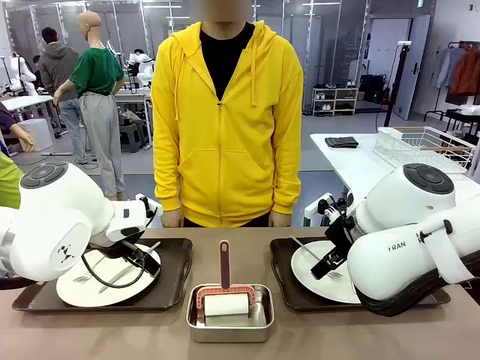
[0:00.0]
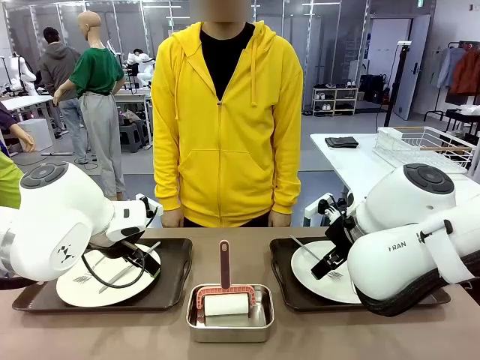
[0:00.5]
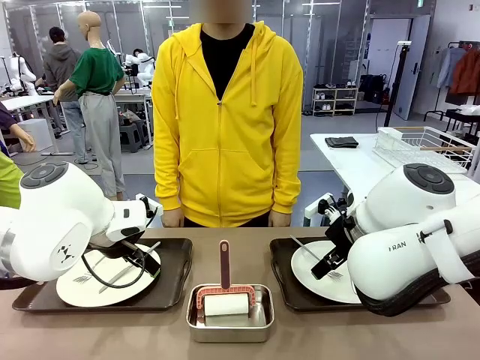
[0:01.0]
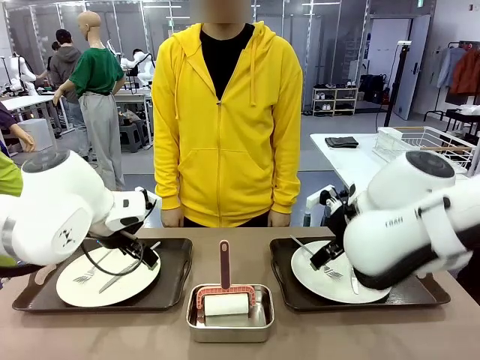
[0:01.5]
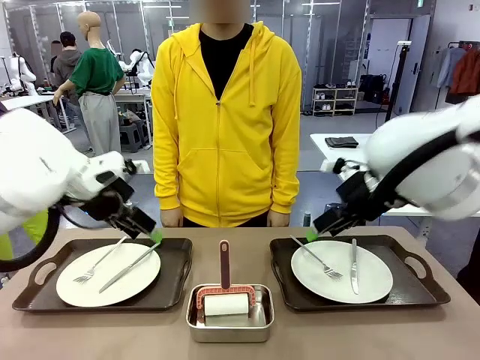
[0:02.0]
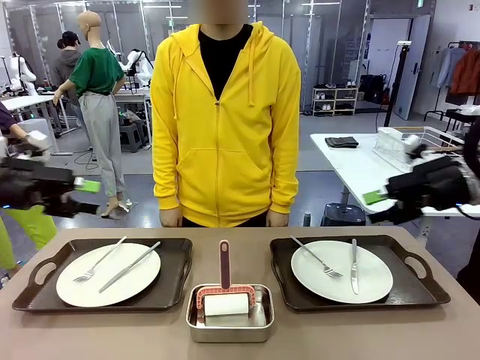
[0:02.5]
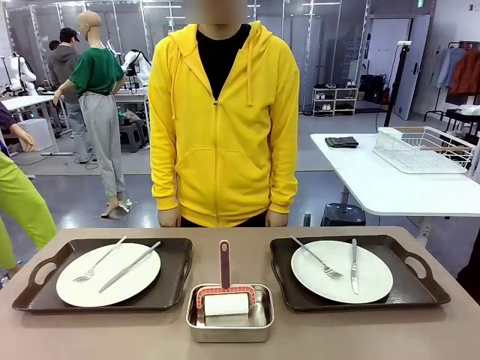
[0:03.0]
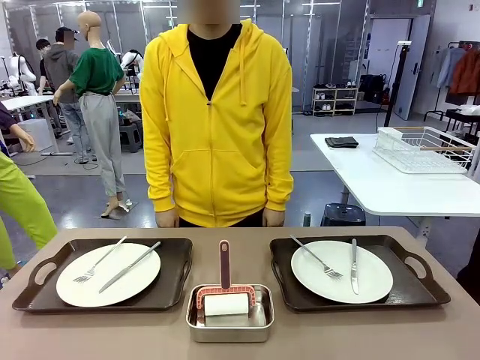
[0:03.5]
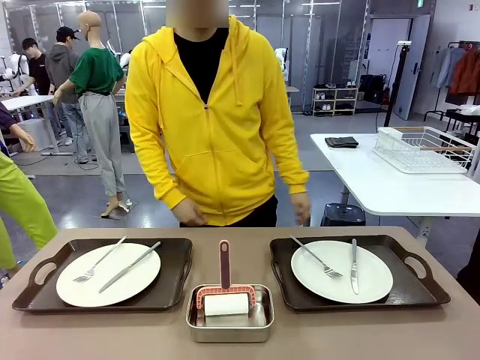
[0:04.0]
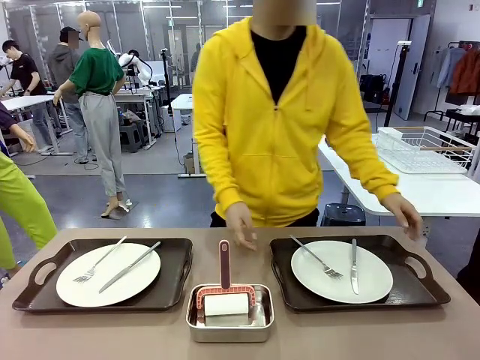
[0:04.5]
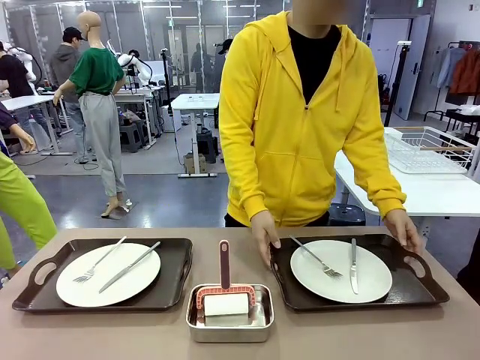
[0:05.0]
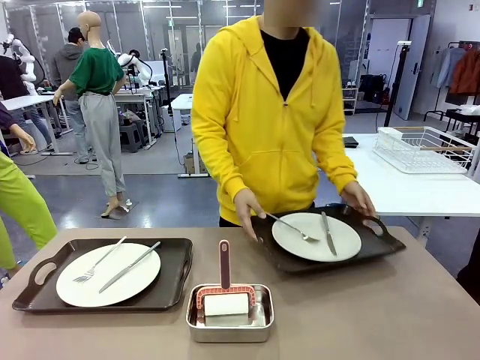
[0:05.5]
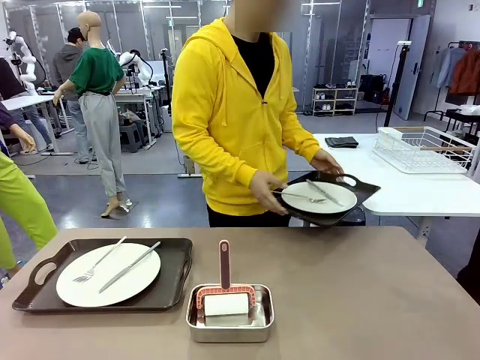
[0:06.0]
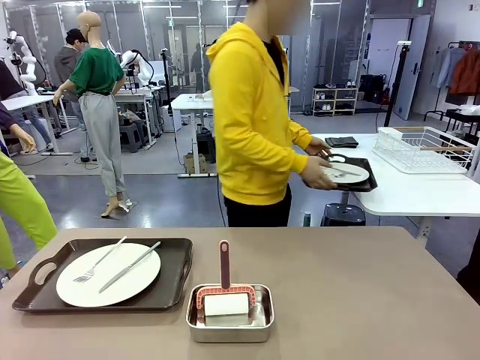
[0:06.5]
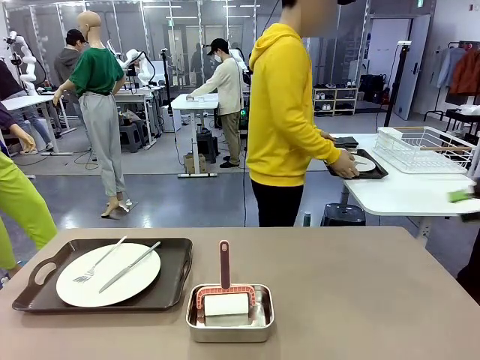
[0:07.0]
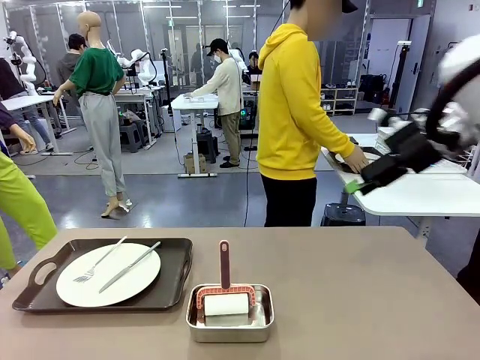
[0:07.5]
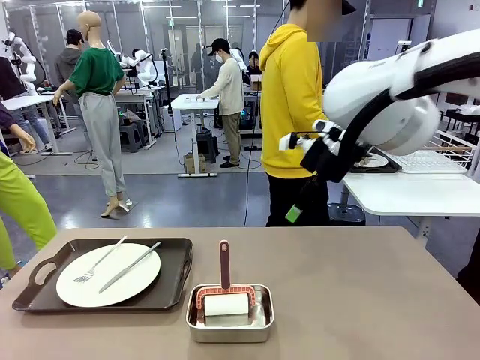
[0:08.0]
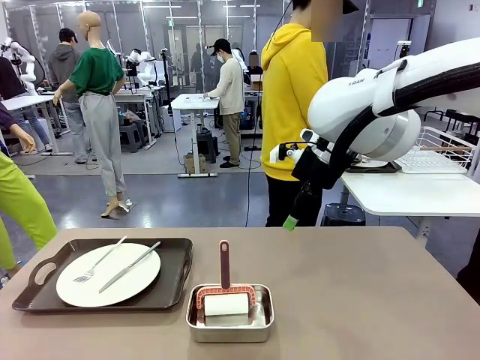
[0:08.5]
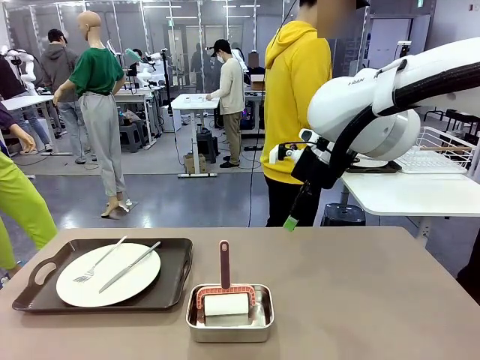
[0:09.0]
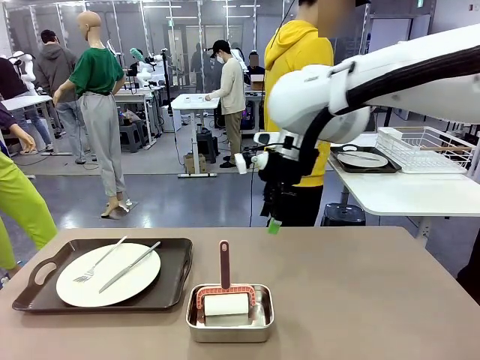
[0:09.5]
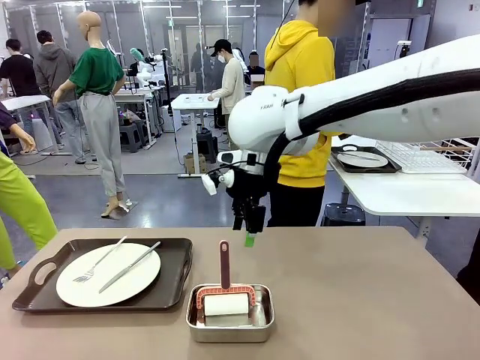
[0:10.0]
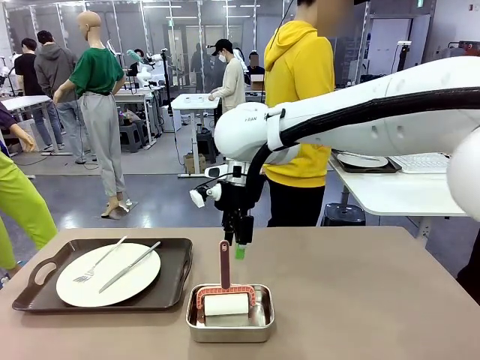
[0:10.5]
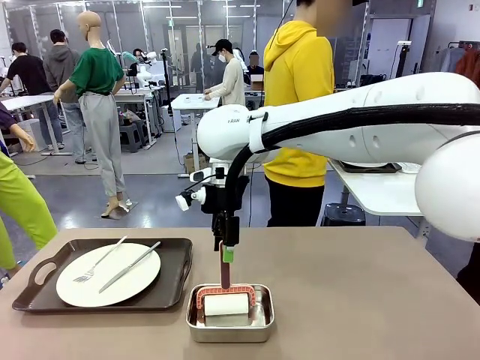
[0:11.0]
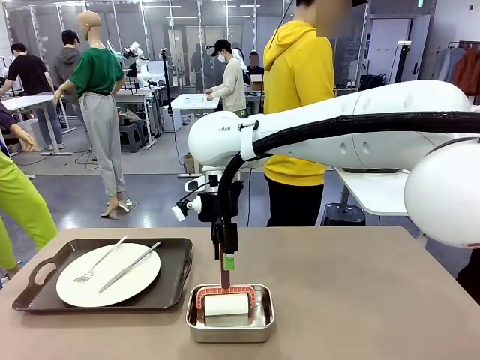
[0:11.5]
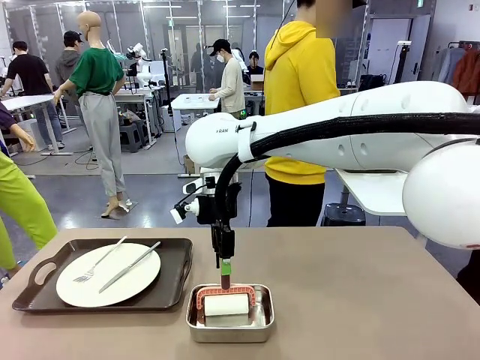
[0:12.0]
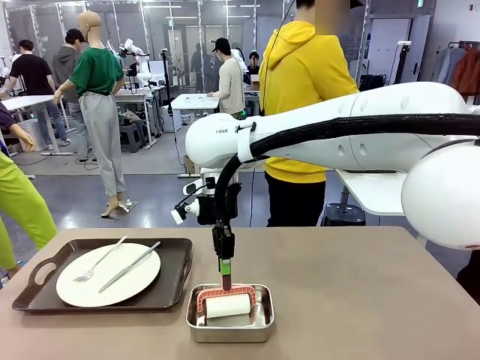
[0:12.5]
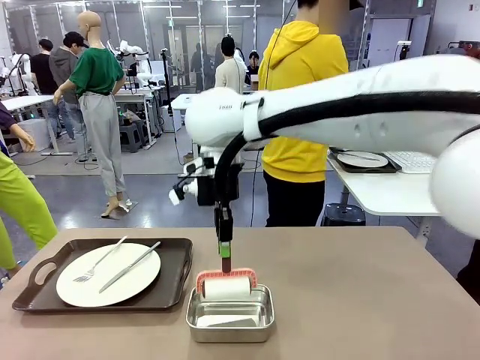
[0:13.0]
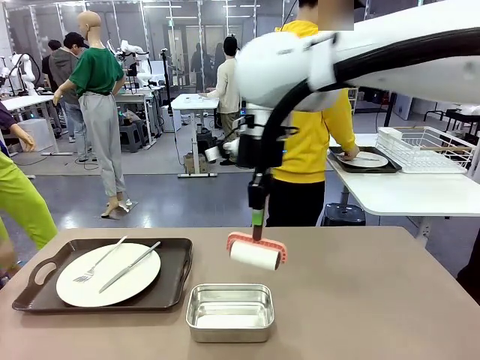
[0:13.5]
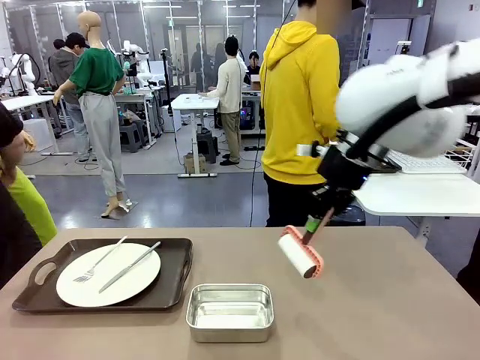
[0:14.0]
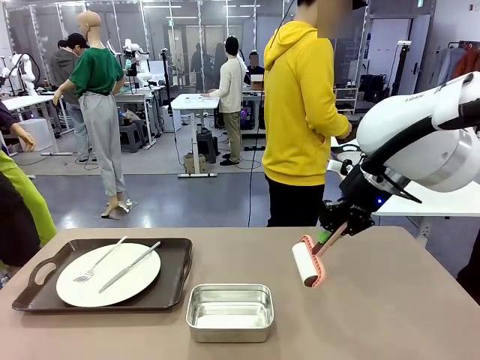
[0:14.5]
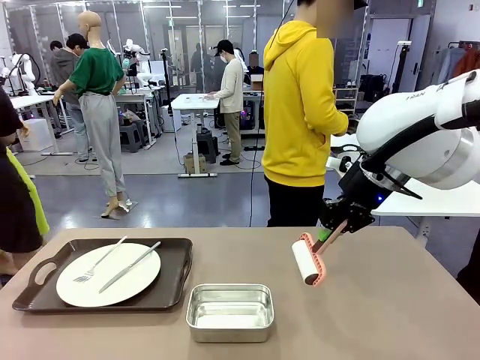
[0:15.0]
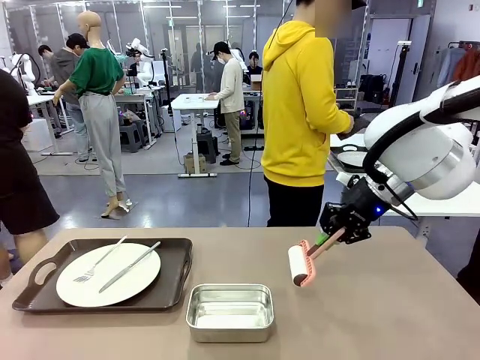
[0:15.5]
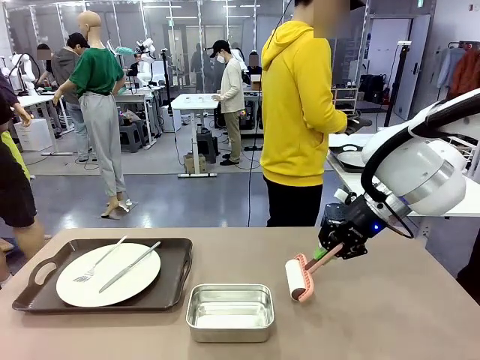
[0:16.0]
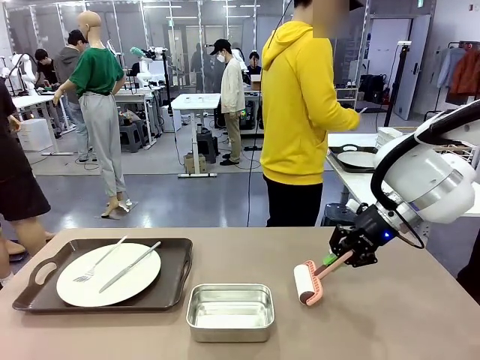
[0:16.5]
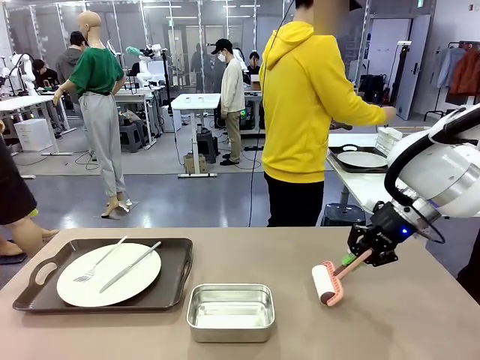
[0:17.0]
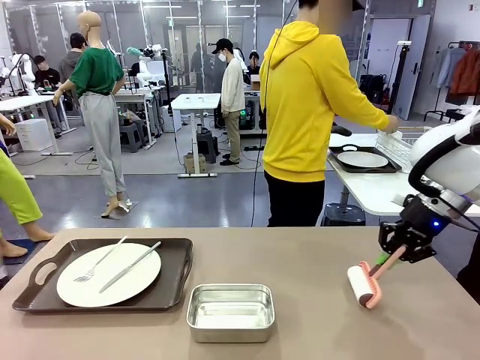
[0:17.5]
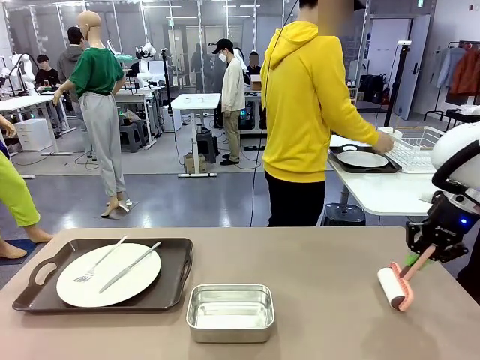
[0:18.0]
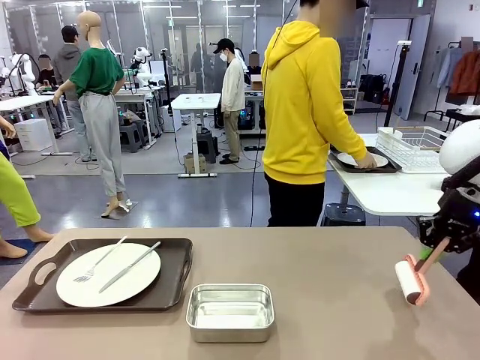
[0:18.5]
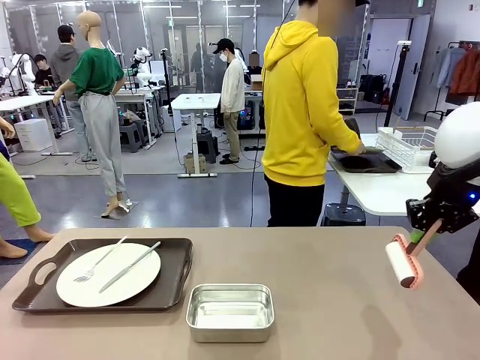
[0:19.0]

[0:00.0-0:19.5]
Robot: When the left (or right) Handle tray is removed, use the left hand (or right hand) to clean the left (or right) side of the table with the Lint Roller.
Person: Pick up the left (or right) Handle tray and place it on the middle of the Human's table. Use the Towel with hook to wipe the Plastic Matte Plate , Fork , and Knife and place into the Dish drying rack.

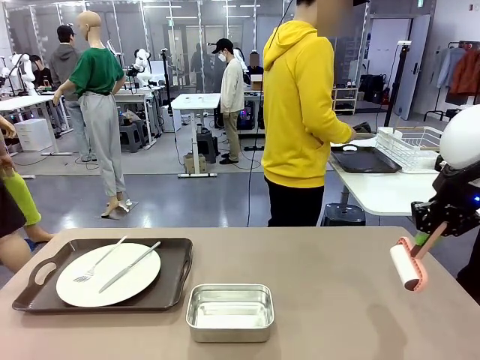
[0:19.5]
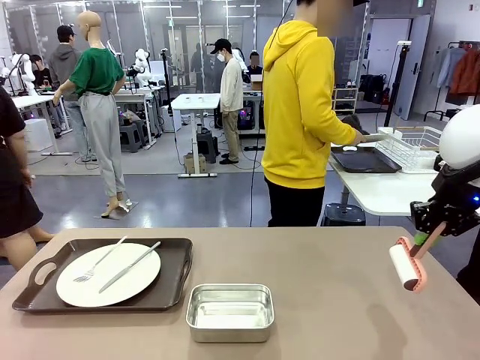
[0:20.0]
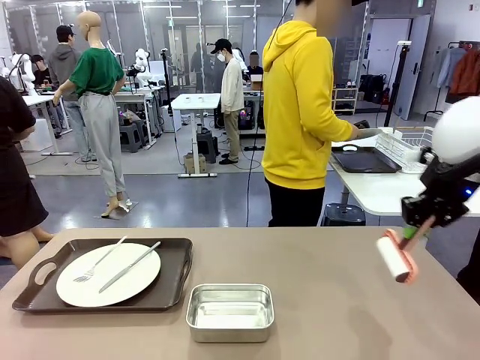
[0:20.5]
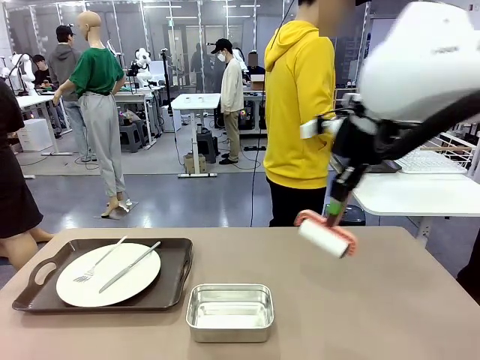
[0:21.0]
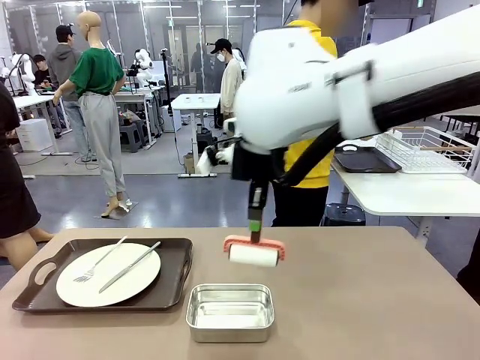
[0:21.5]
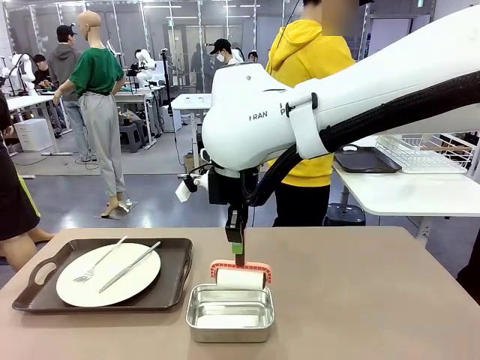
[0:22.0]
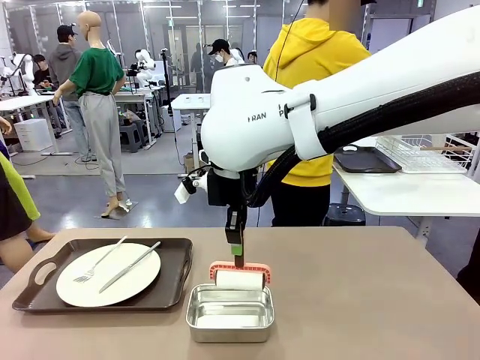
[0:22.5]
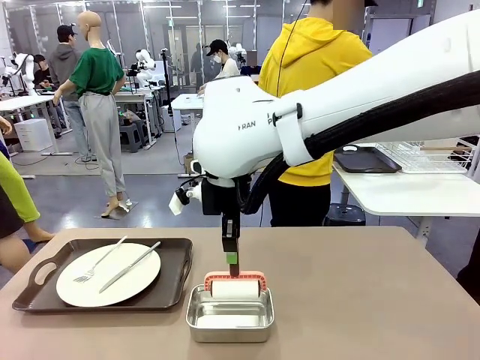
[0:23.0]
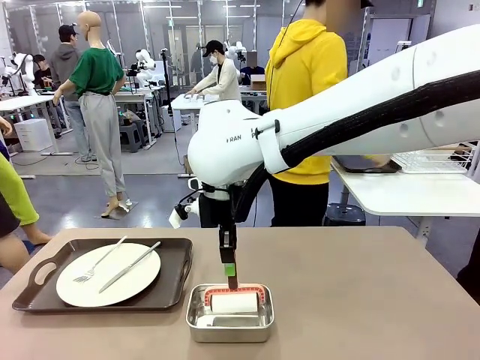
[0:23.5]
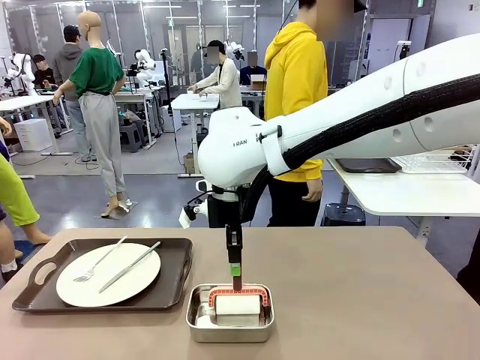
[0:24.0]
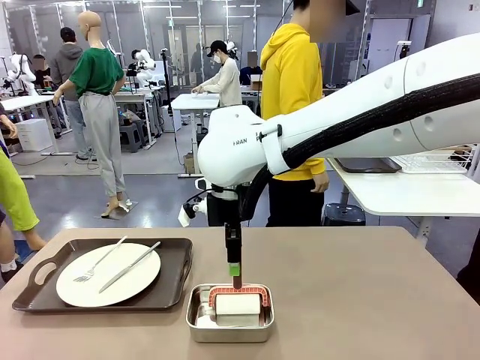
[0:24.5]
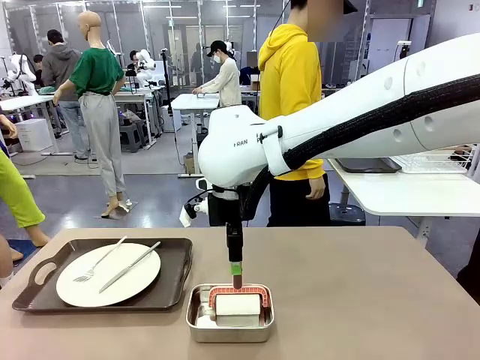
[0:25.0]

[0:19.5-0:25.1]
Robot: Place the Lint Roller back on top of the Airtight Container.
